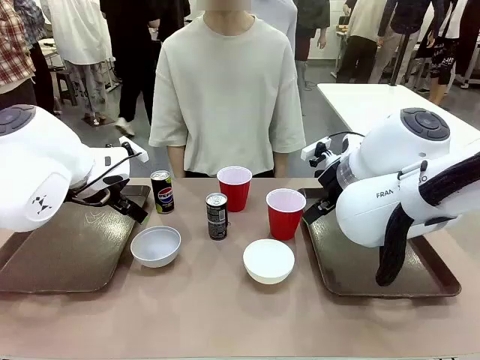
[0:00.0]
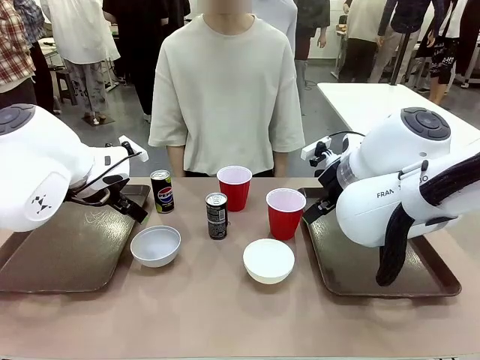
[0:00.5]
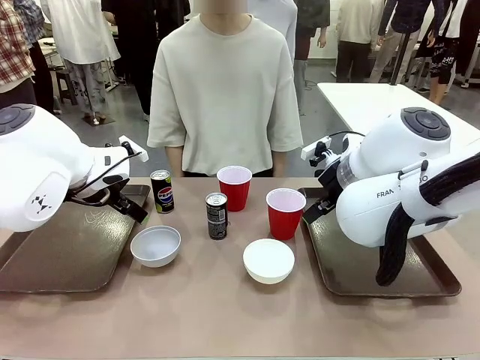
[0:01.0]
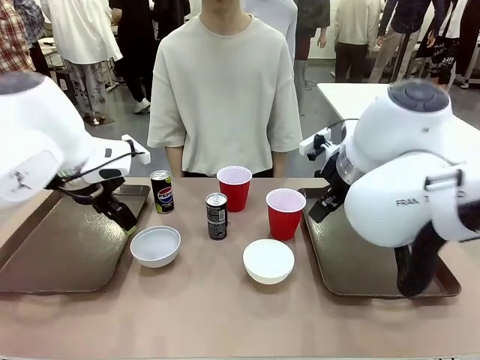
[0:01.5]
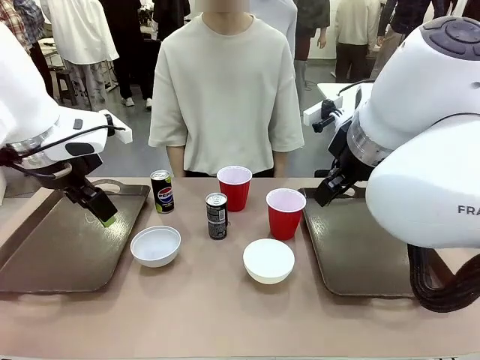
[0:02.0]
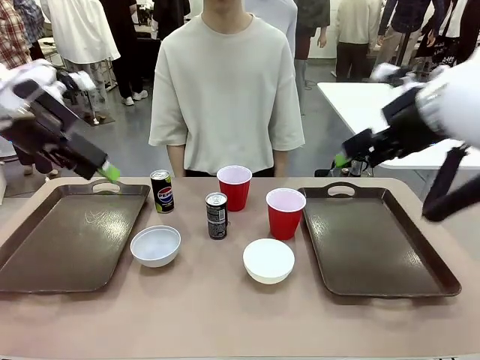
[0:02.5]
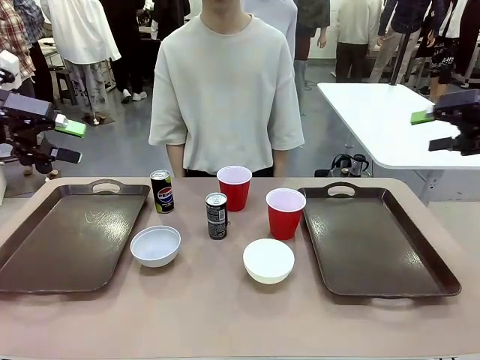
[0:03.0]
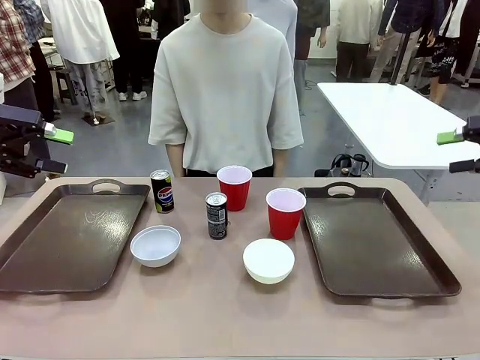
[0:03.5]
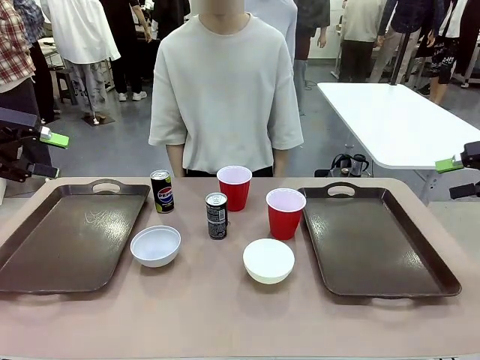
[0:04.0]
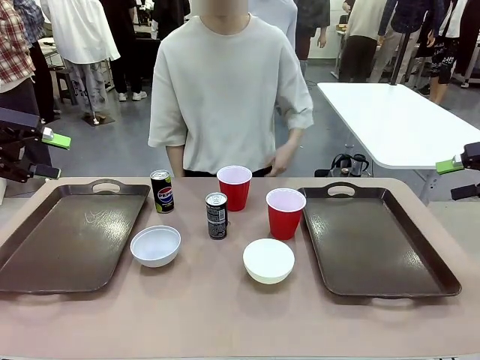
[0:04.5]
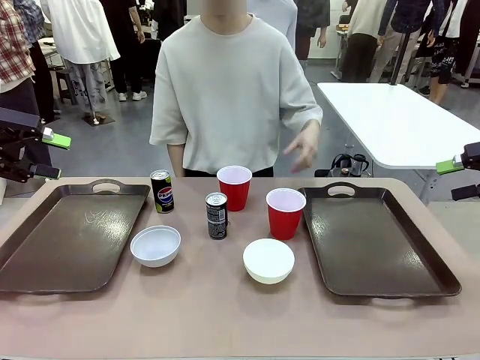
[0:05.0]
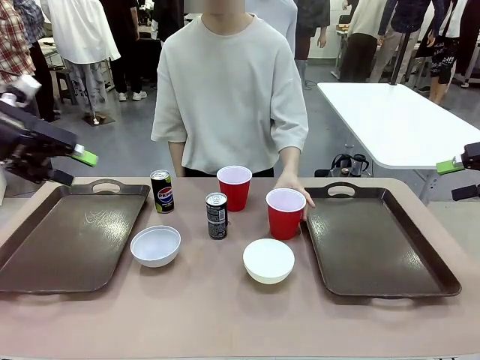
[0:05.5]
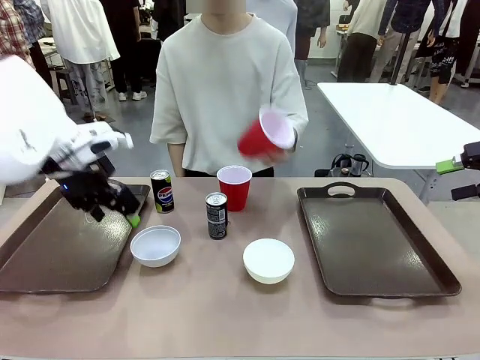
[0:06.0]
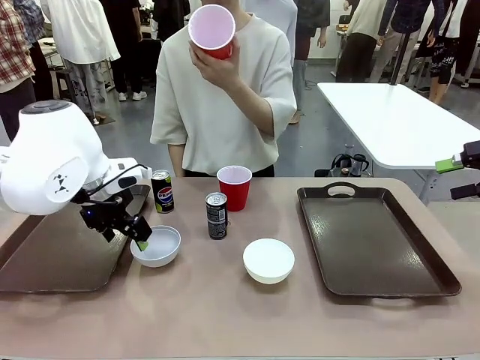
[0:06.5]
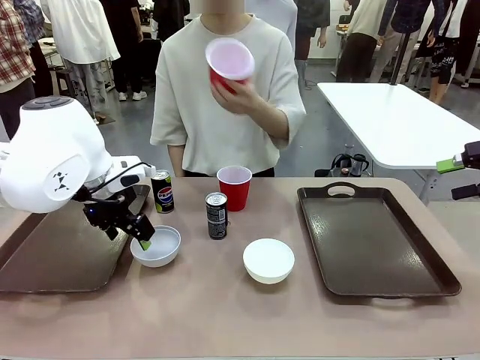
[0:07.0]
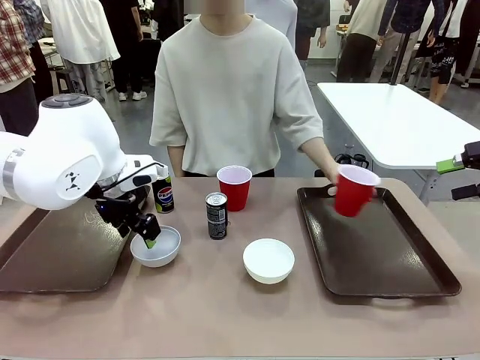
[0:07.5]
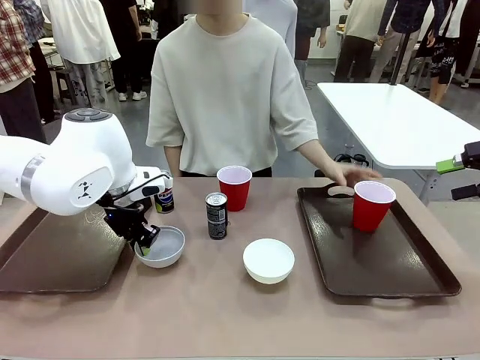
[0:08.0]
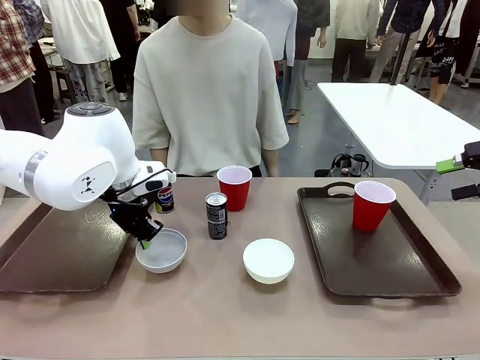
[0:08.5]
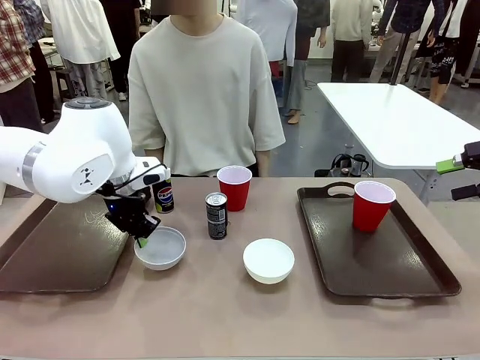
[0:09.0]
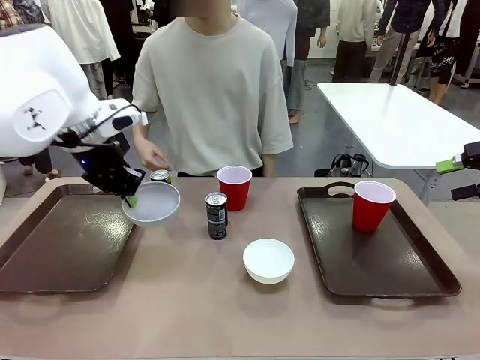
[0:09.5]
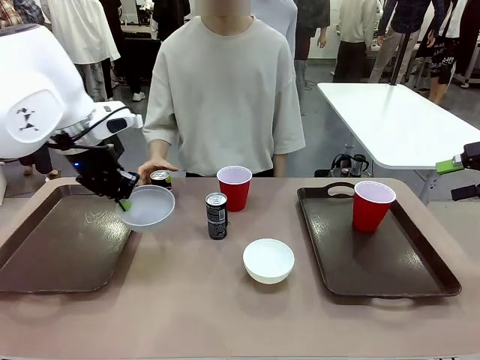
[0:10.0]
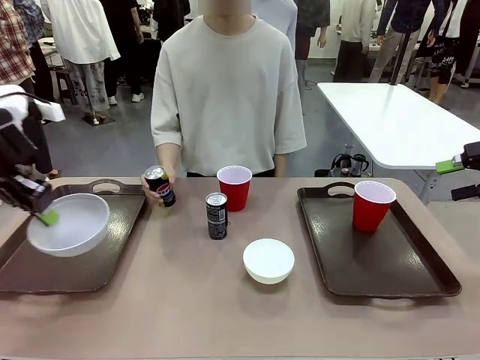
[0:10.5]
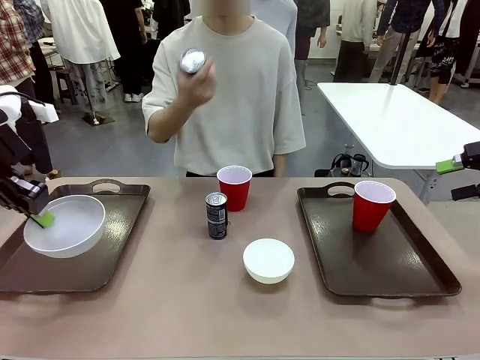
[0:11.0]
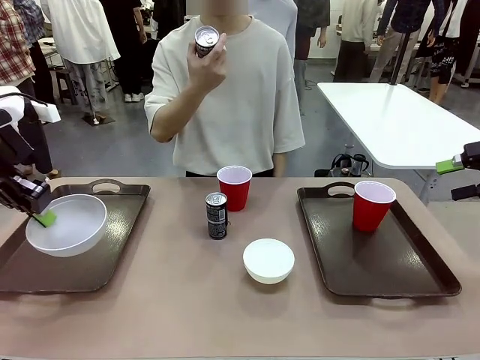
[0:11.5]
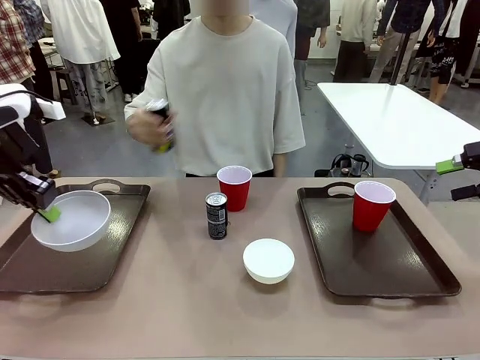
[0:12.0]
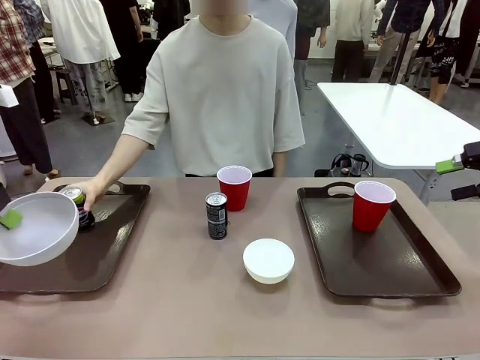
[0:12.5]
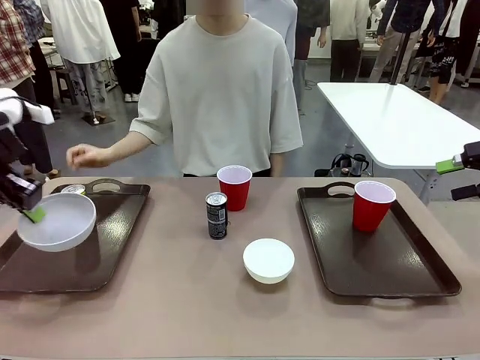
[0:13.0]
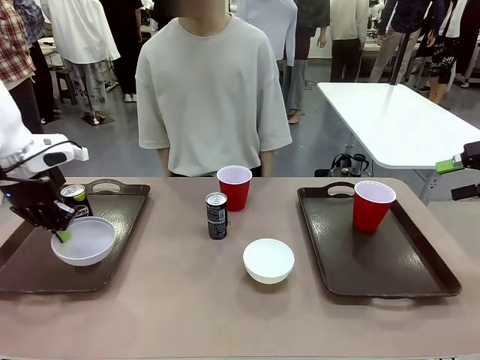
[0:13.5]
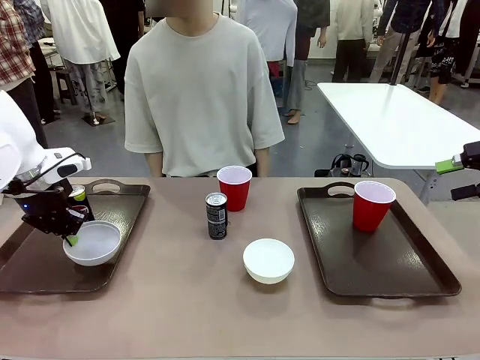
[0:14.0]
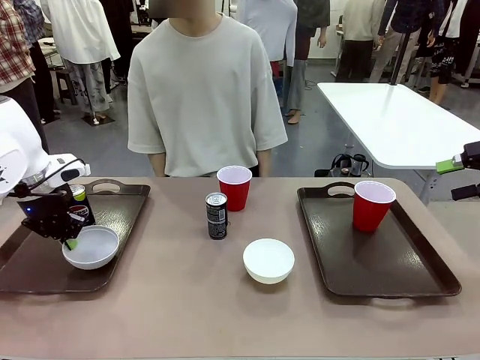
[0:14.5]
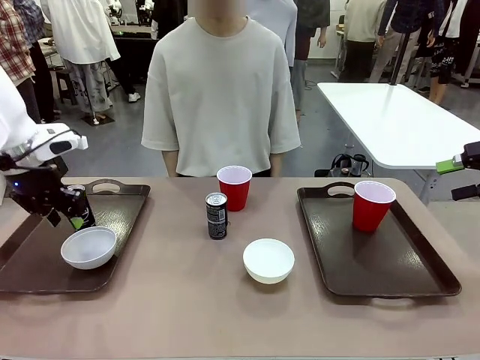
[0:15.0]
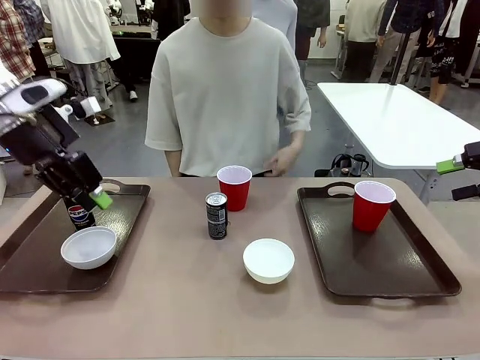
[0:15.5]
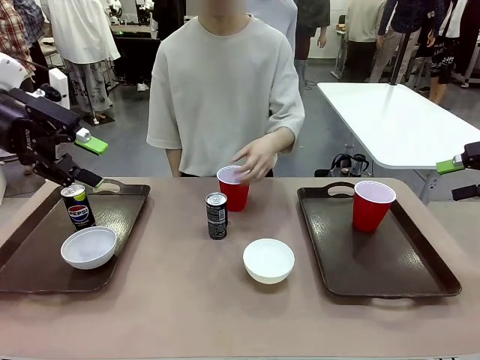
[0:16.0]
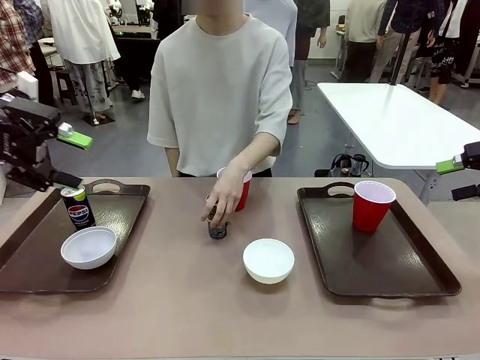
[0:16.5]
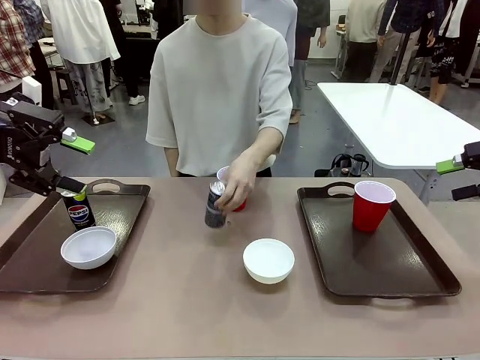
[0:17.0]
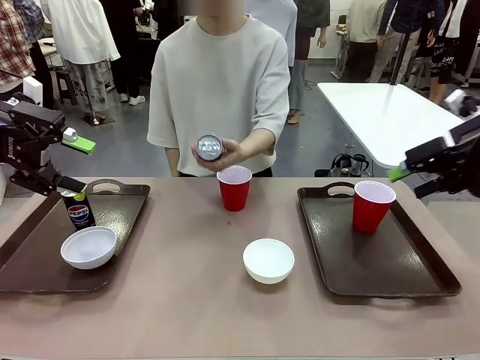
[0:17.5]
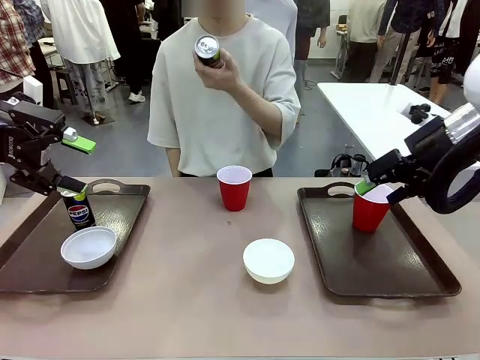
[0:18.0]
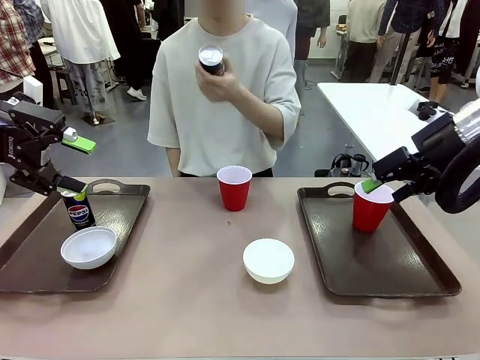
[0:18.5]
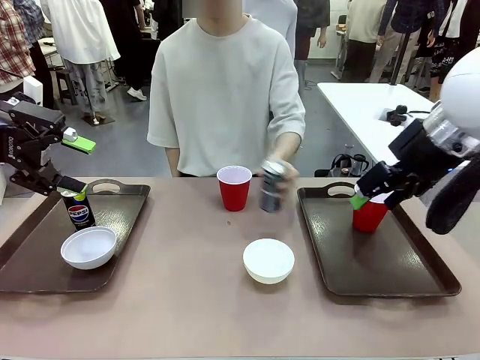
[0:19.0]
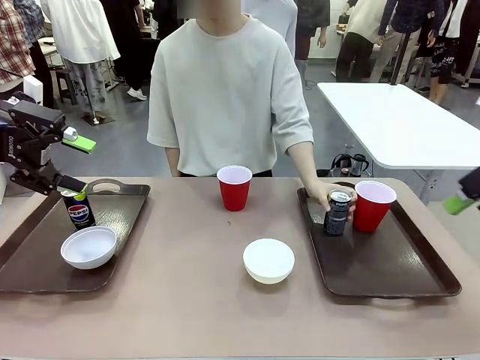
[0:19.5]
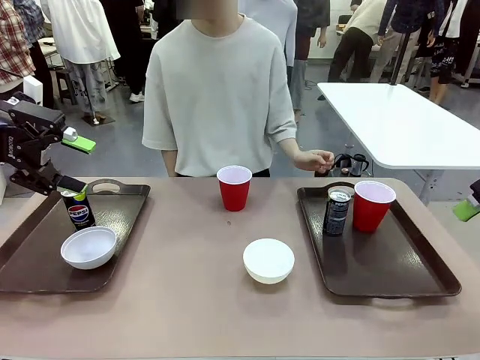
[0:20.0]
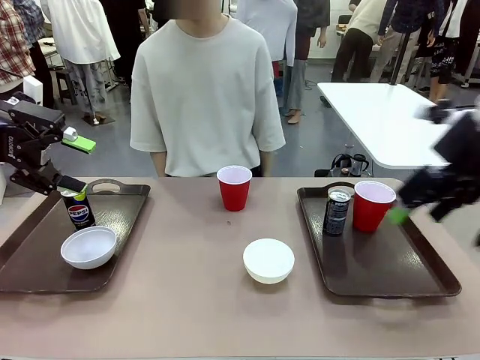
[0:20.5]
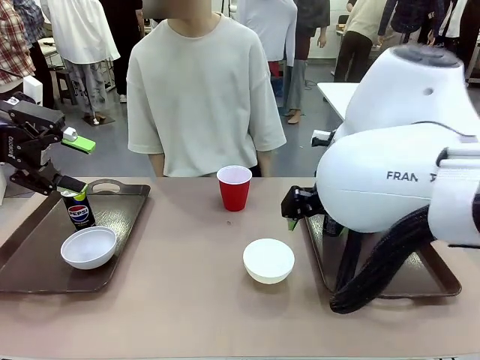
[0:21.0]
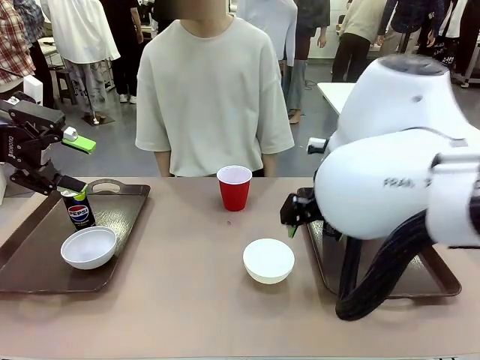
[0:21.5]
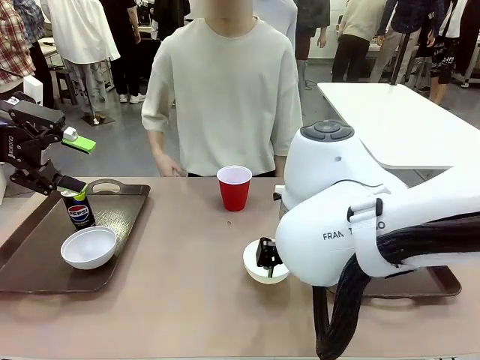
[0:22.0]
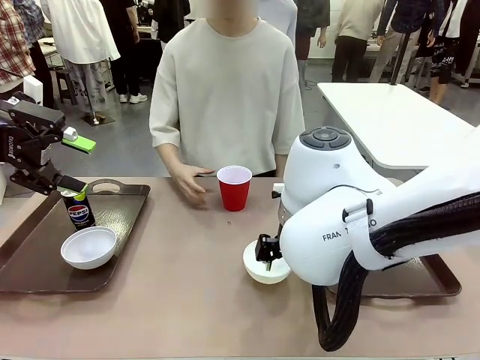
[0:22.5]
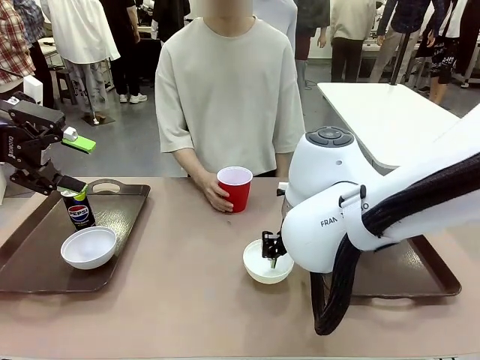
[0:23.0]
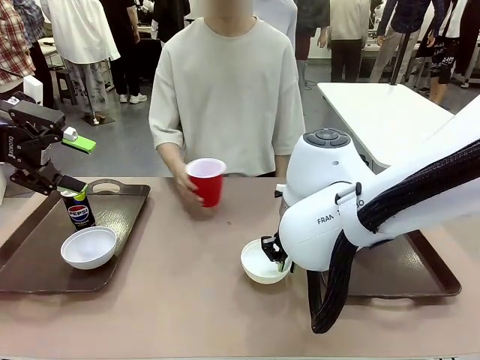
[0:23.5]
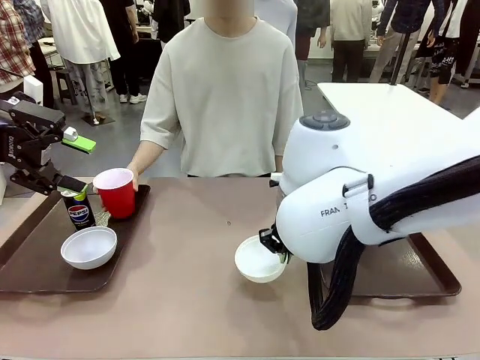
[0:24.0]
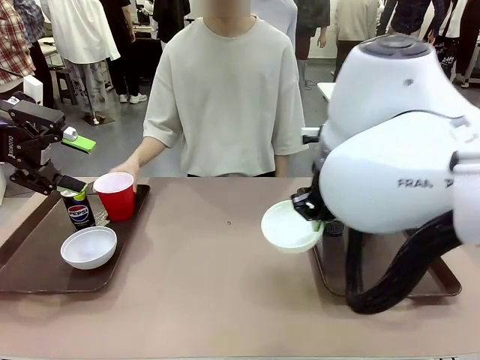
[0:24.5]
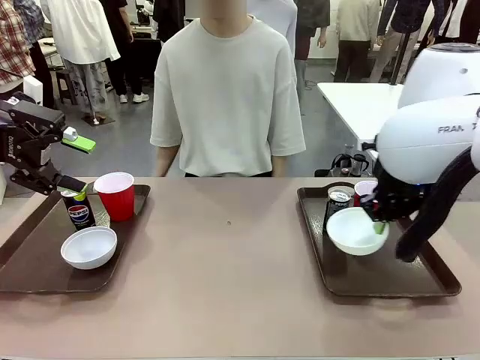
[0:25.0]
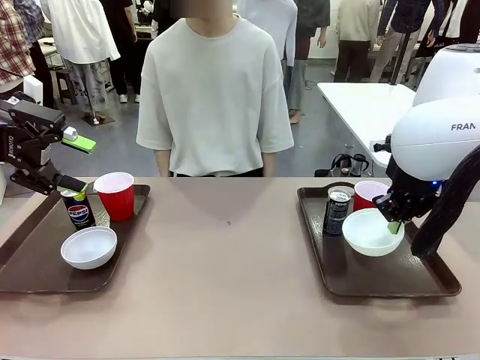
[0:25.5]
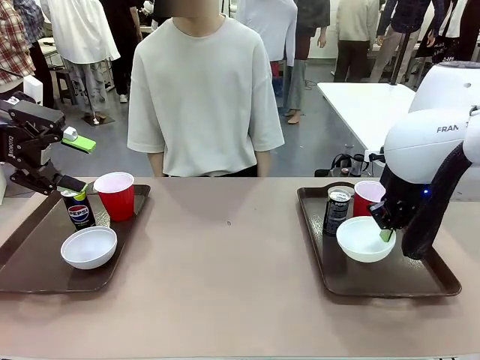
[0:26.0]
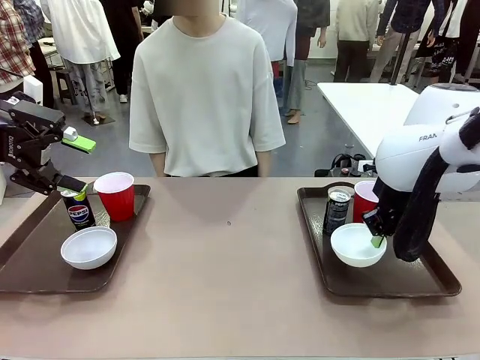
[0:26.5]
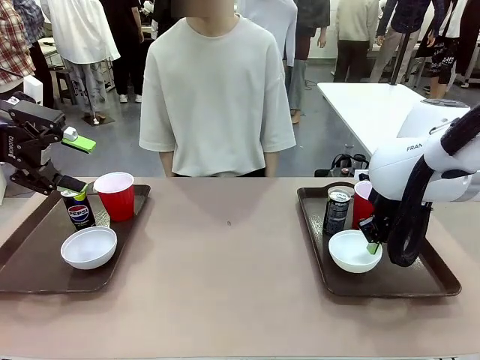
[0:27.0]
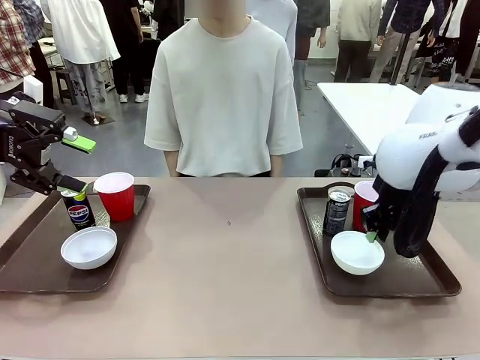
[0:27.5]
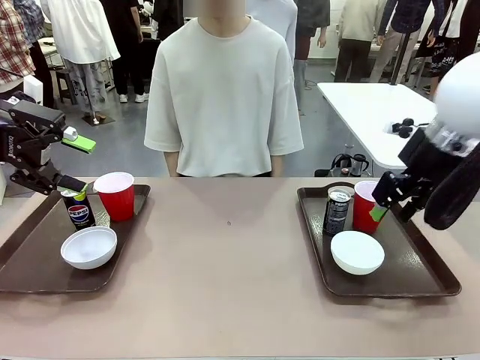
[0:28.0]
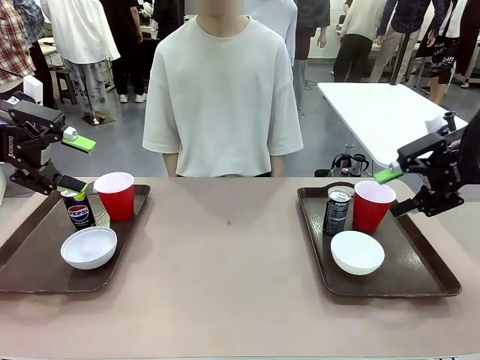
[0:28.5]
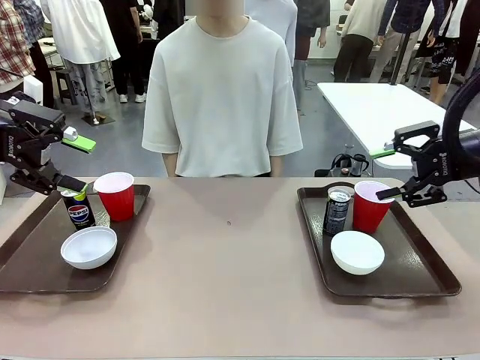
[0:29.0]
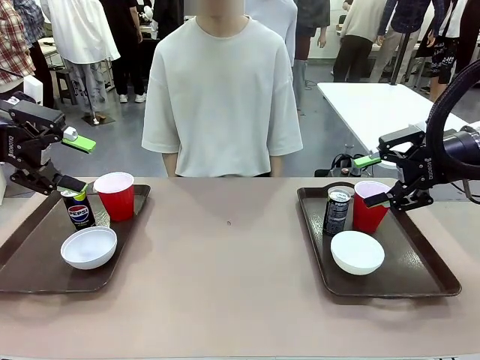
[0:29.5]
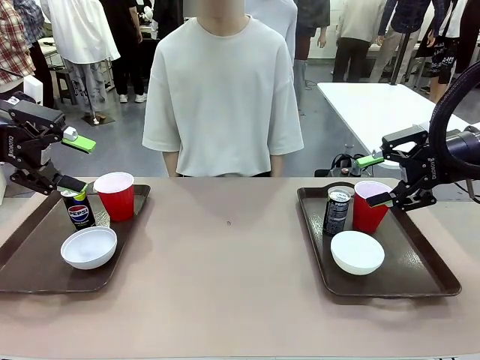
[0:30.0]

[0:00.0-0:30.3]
Task: Prepare tableware on both trays.
Robot: Pick up a Picnic Bowl from the table and place it on a Handle tray.
Person: Pick up a can or cup and place it on the tray. Pick up a can or cup and place it on the tray without a can or cup.
